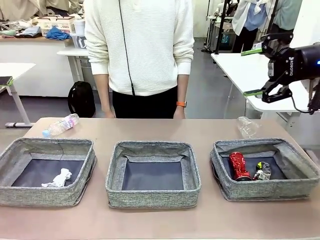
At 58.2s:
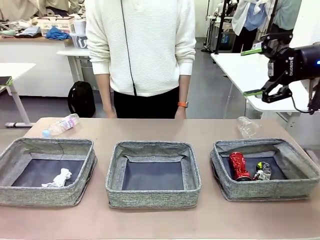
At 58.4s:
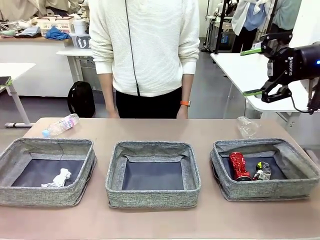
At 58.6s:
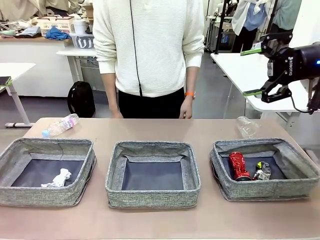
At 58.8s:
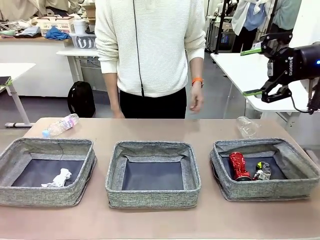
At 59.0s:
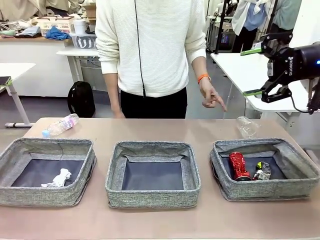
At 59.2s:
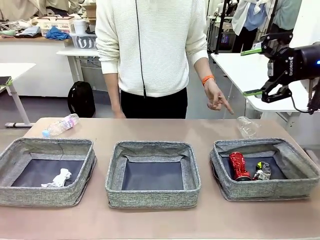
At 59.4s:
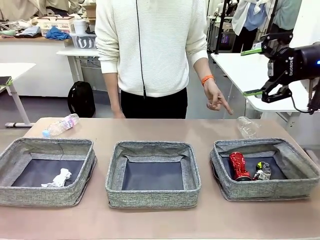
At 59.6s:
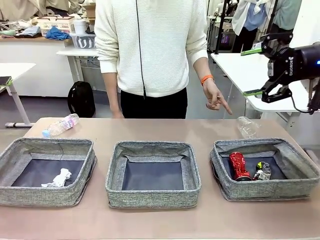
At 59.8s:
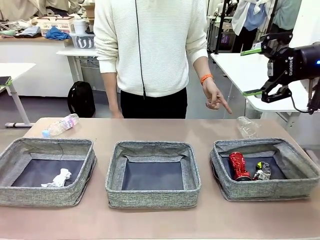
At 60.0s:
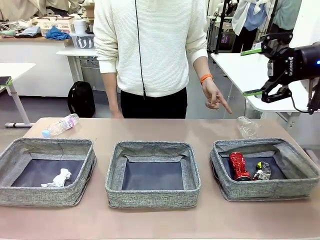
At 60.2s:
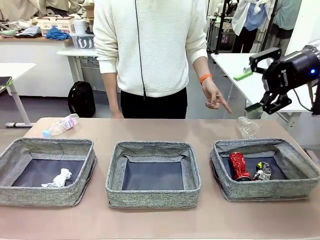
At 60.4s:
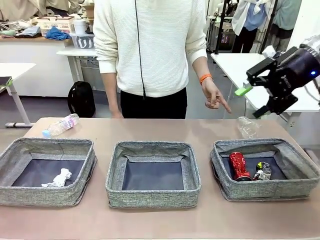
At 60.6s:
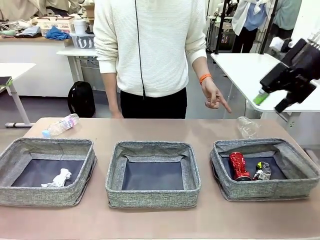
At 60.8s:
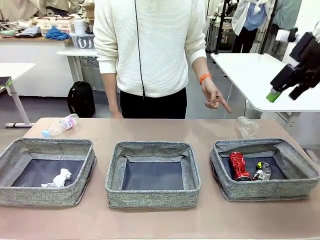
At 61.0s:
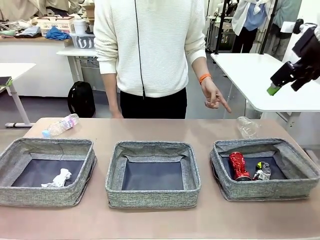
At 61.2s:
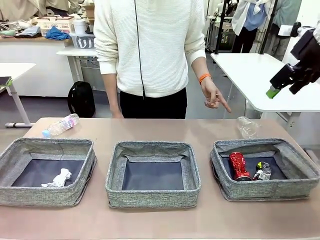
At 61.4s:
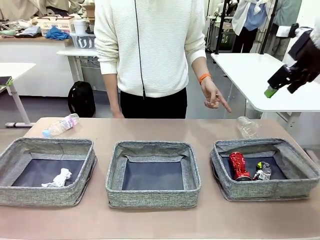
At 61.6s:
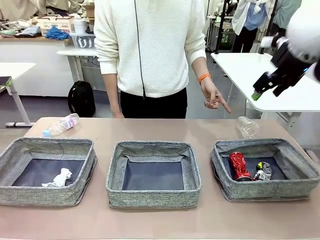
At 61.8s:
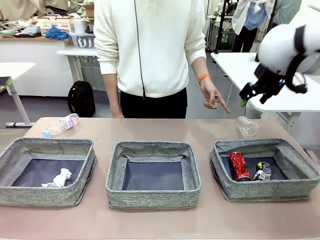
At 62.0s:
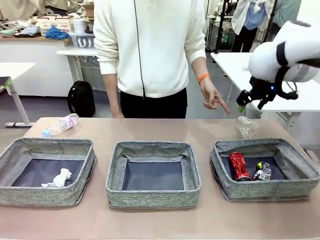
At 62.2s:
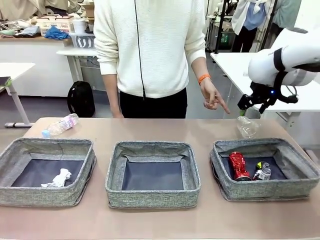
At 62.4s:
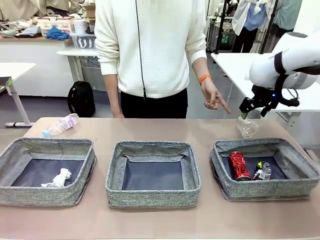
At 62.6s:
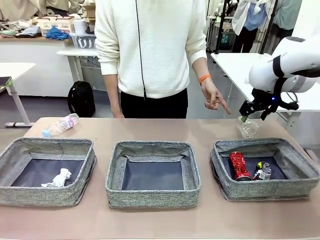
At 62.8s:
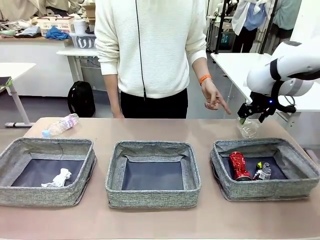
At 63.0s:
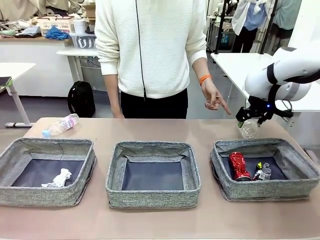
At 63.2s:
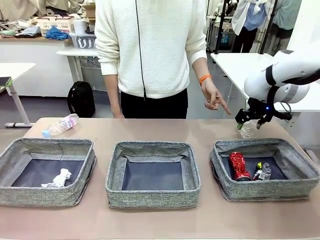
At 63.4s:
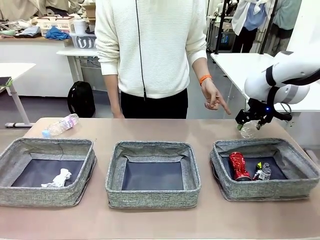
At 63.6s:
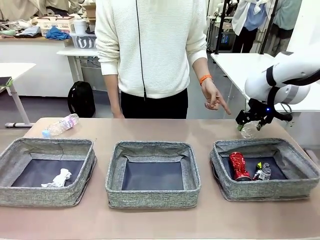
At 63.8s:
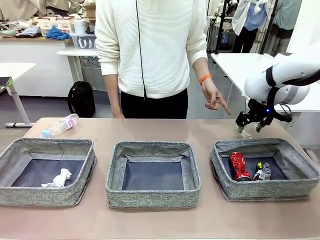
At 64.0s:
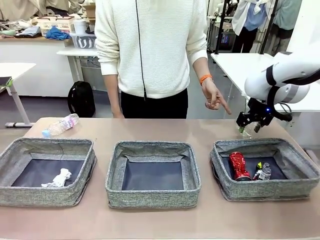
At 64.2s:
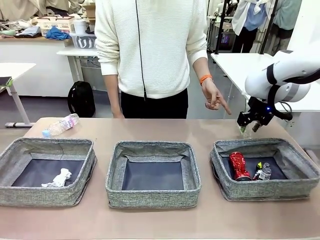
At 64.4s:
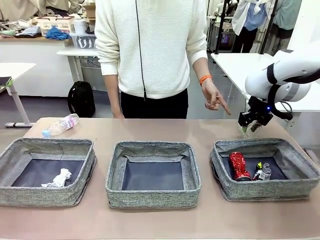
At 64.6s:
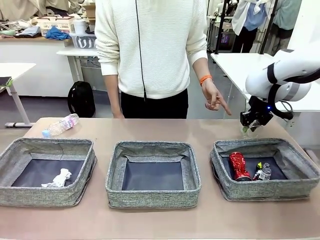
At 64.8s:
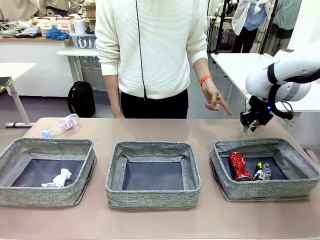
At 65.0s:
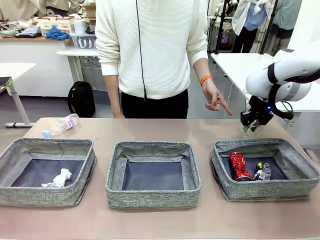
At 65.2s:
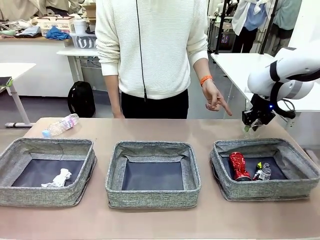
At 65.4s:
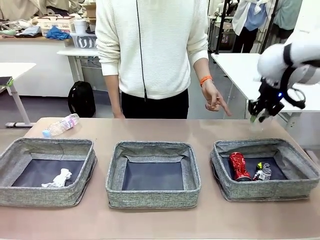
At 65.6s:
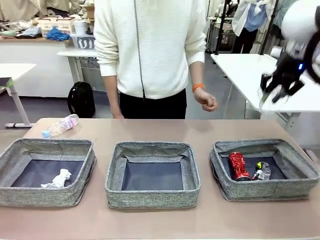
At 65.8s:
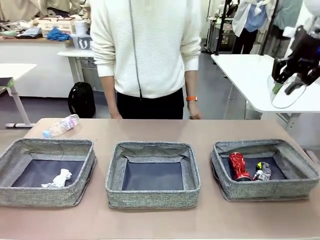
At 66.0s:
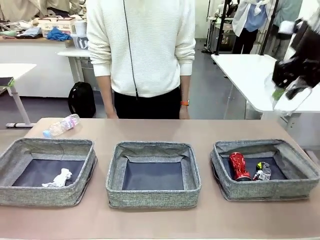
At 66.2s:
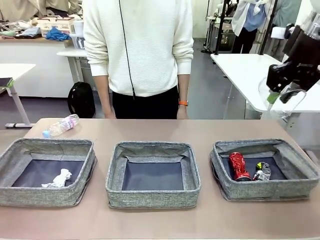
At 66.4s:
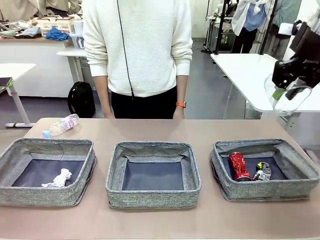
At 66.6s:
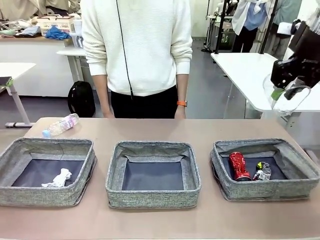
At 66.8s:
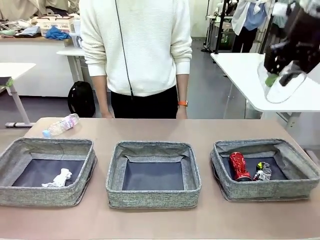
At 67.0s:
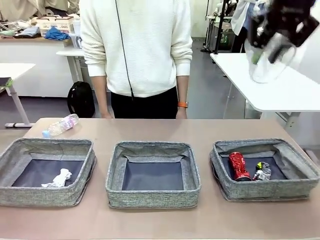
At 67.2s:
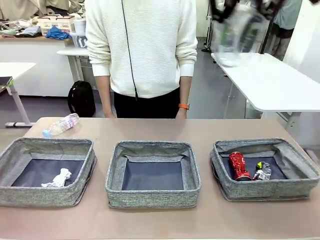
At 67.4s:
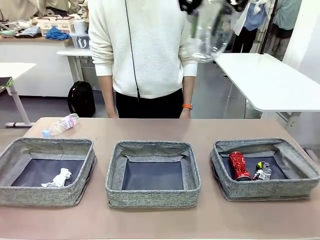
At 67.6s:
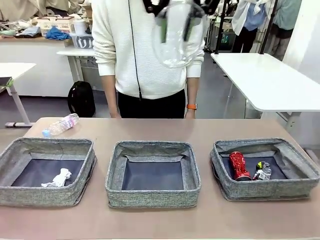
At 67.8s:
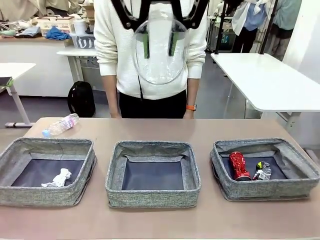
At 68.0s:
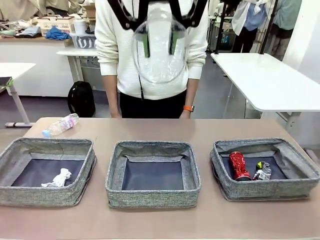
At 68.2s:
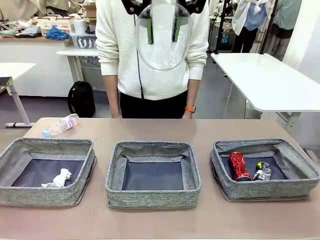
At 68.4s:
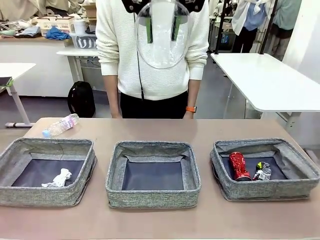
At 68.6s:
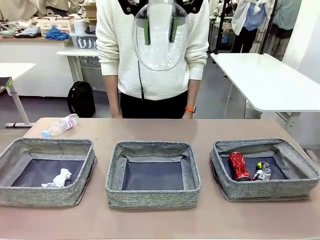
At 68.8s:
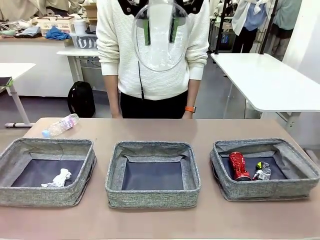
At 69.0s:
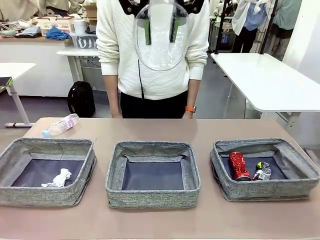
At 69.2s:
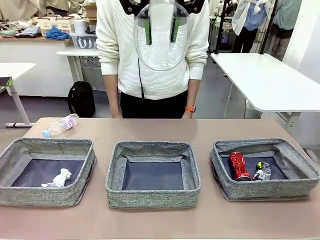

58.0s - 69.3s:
Task: Sort the waste into the appropriate baskets.
Robot: Pick up the waste item pointed out by the person.
Person: Points to one piece of trash on the table.

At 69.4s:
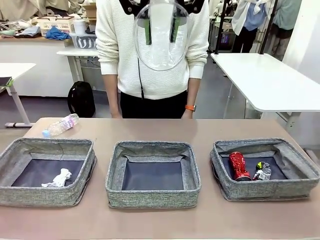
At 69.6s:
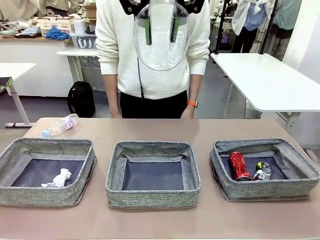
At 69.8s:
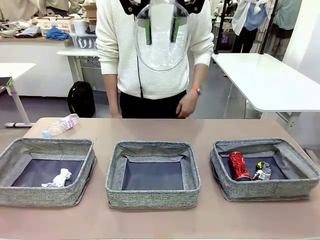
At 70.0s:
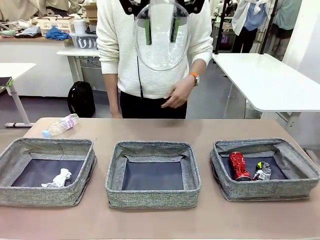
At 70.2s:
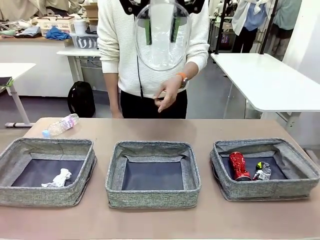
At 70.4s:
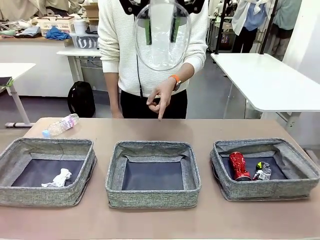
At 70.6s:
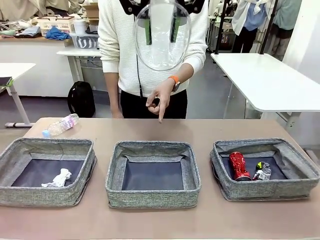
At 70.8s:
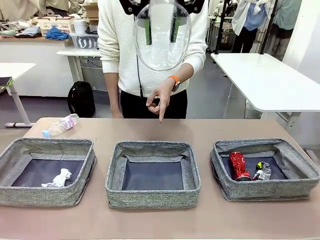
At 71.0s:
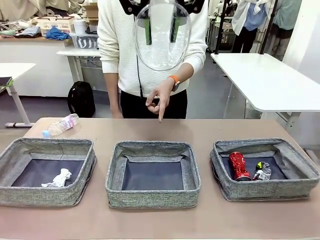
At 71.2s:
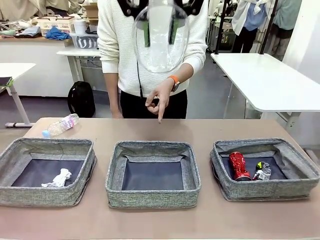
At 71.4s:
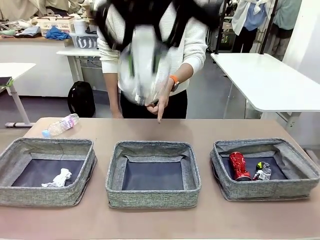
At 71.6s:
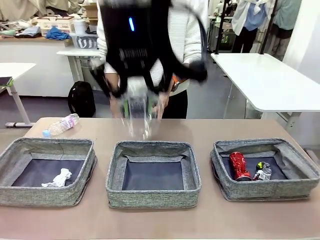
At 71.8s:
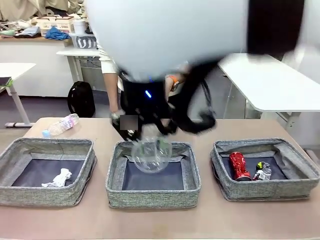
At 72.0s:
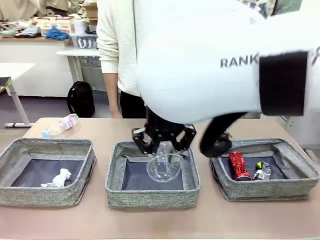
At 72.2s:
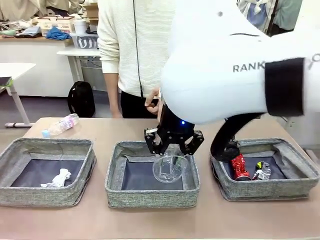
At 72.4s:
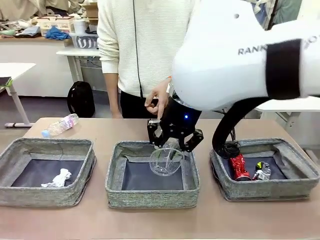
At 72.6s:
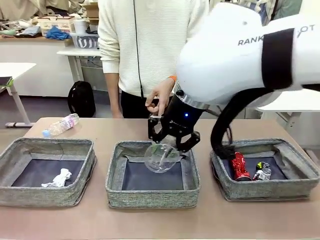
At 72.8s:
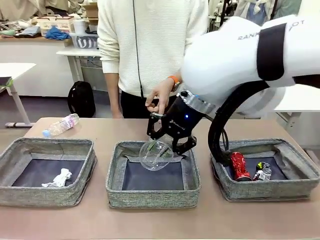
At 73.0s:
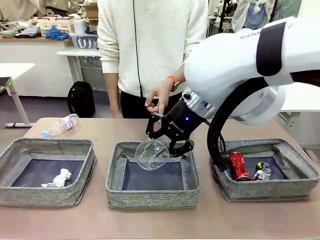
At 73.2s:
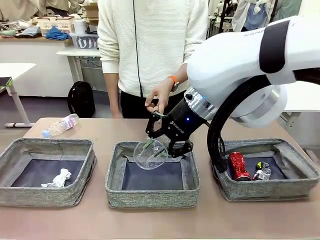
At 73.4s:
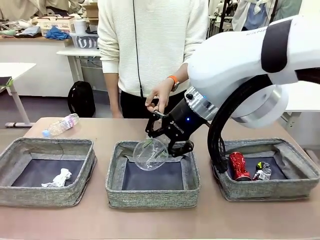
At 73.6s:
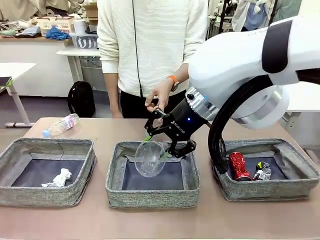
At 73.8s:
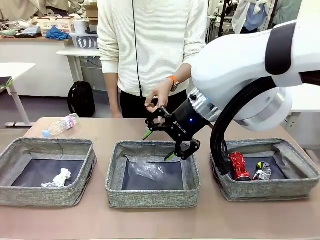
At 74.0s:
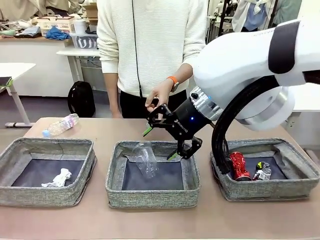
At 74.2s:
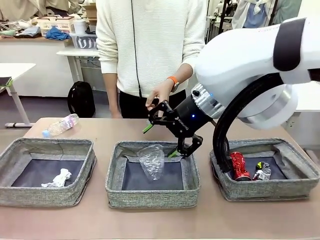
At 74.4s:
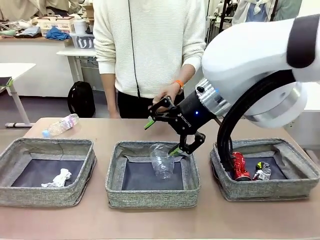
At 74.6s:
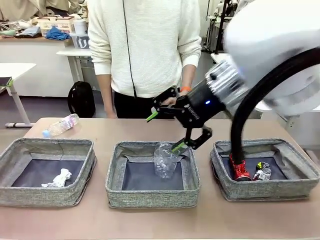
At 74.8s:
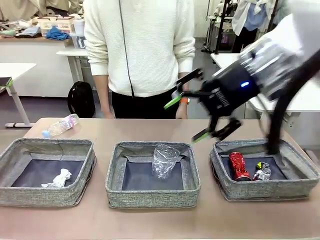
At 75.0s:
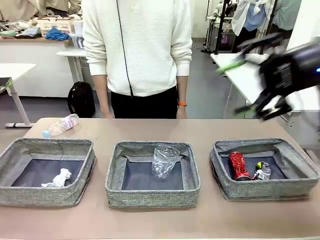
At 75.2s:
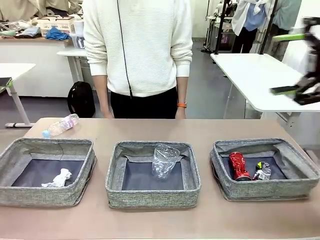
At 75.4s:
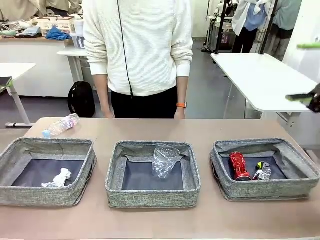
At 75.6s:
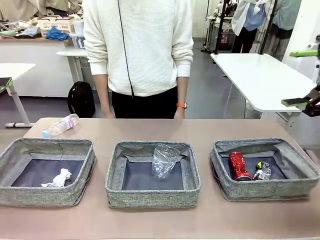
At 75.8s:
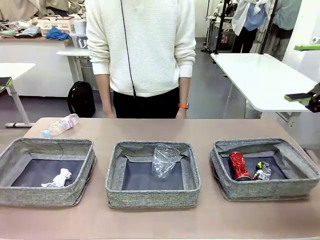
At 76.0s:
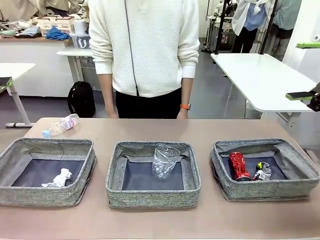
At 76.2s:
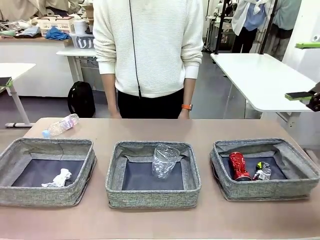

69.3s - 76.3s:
Robot: Place the picked waste into the Fabric basket indicated by the person.
Person: Instructs the robot to place the picked-up trash into the appropriate organizing basket.
